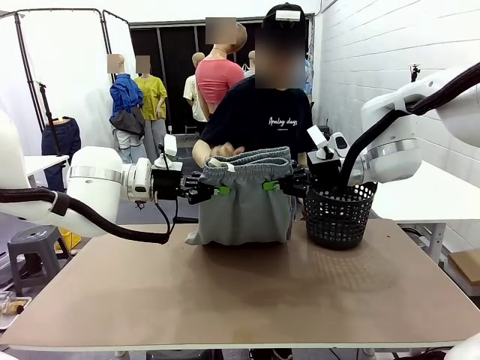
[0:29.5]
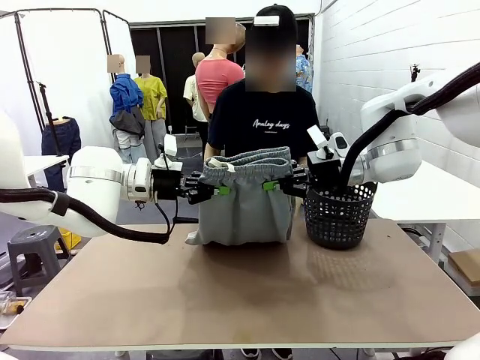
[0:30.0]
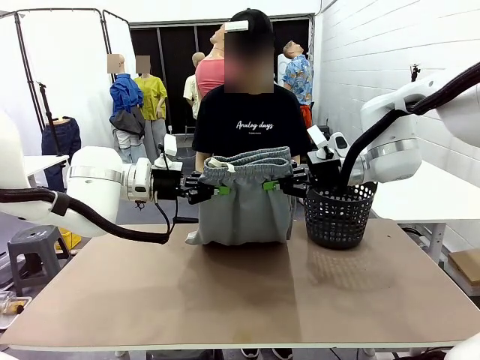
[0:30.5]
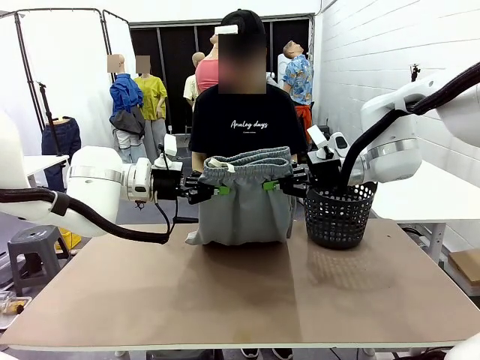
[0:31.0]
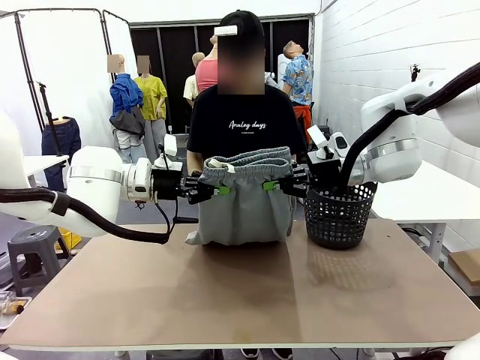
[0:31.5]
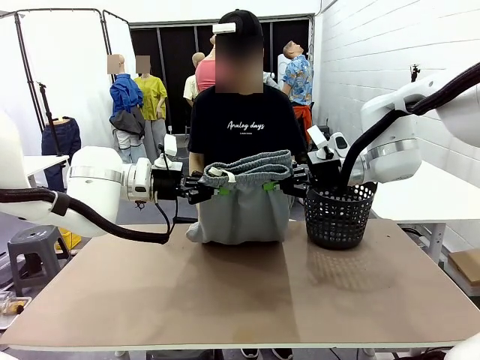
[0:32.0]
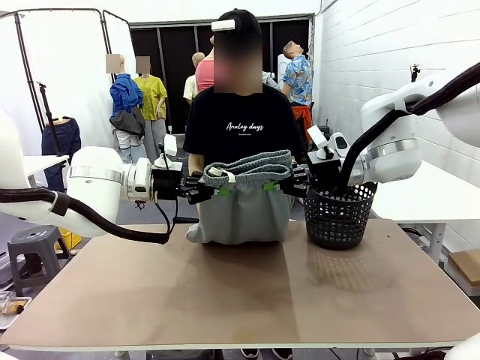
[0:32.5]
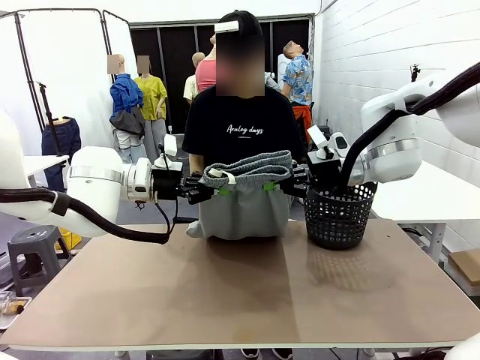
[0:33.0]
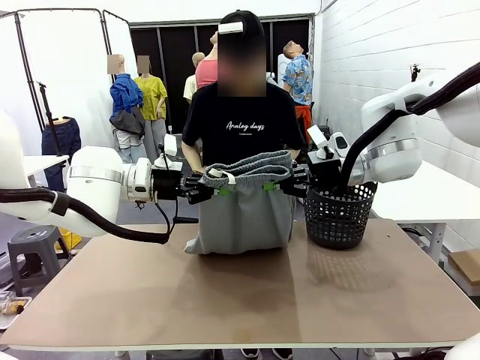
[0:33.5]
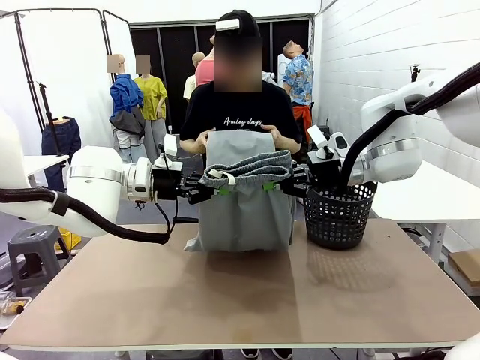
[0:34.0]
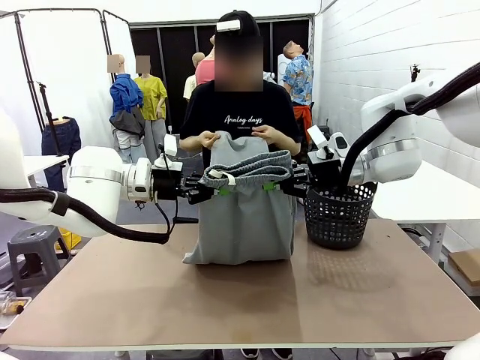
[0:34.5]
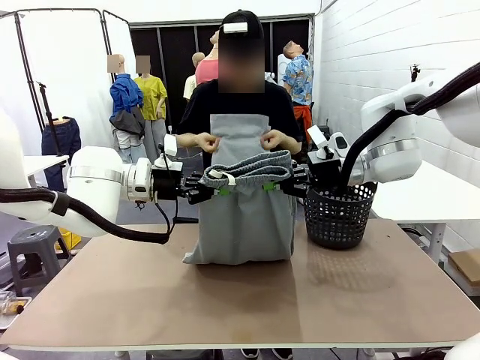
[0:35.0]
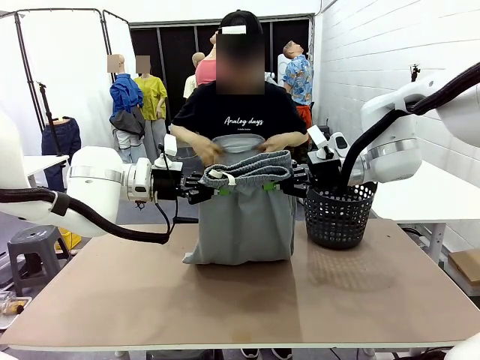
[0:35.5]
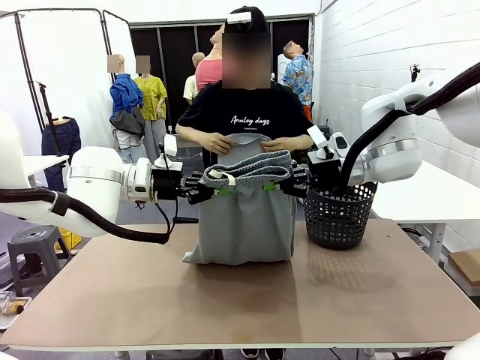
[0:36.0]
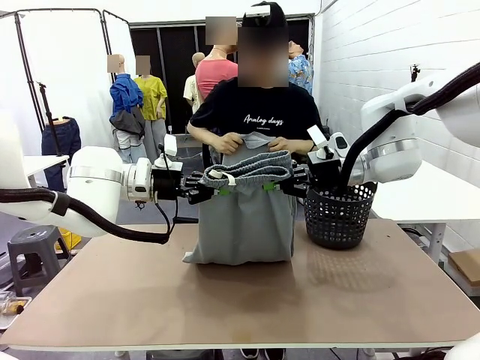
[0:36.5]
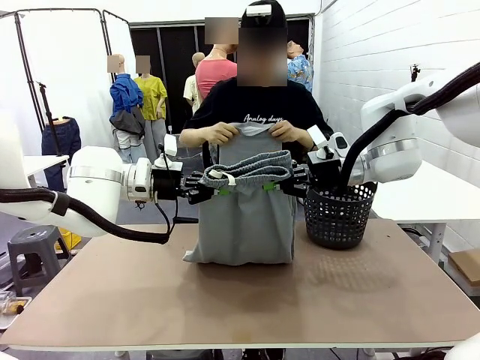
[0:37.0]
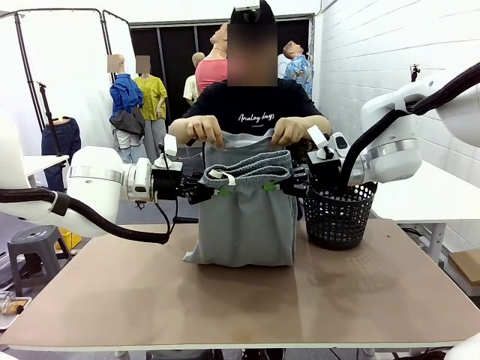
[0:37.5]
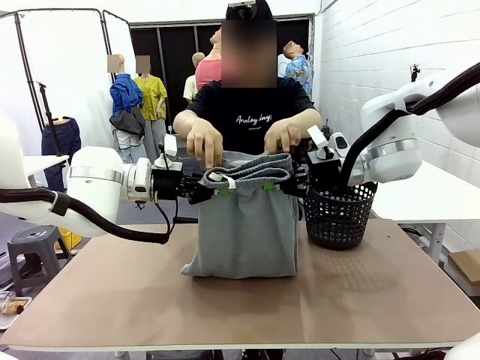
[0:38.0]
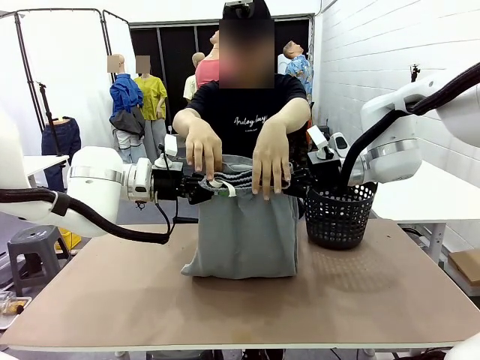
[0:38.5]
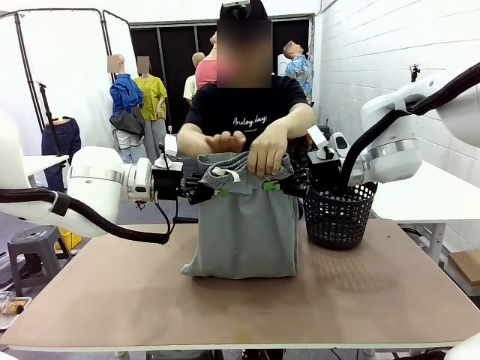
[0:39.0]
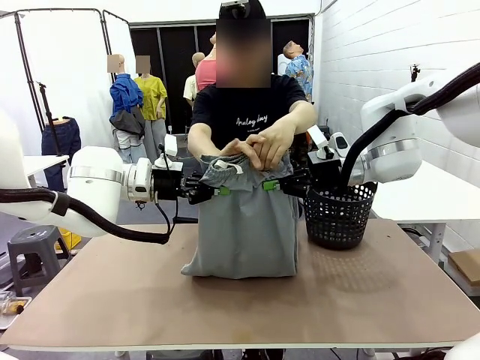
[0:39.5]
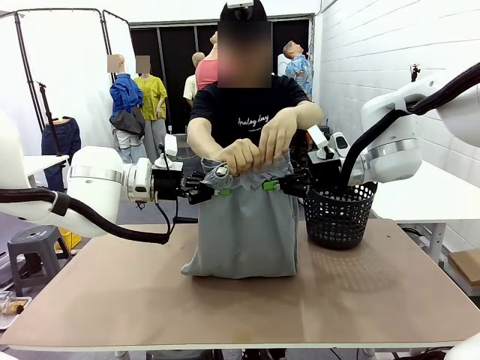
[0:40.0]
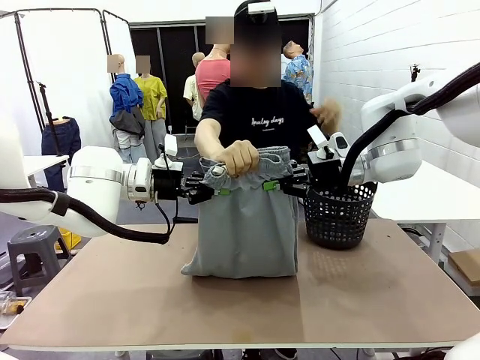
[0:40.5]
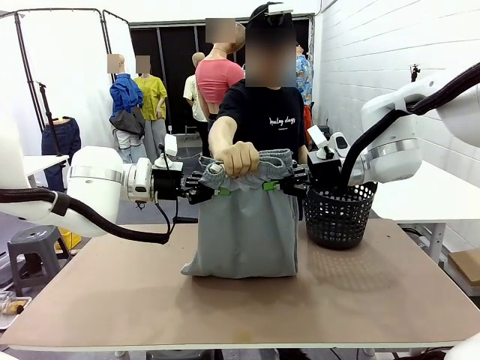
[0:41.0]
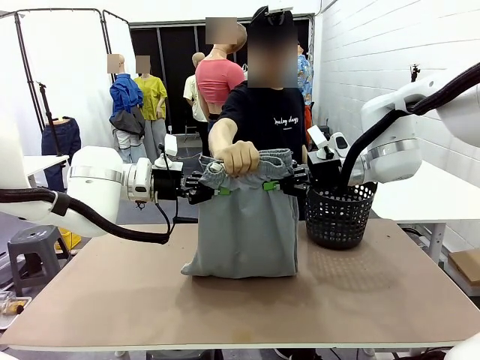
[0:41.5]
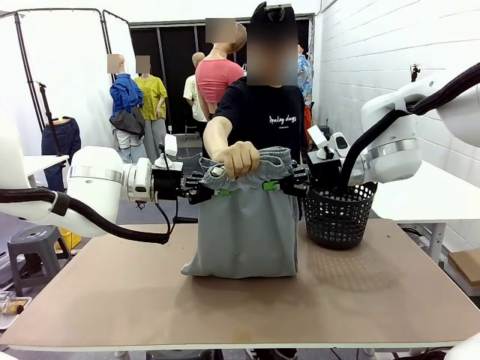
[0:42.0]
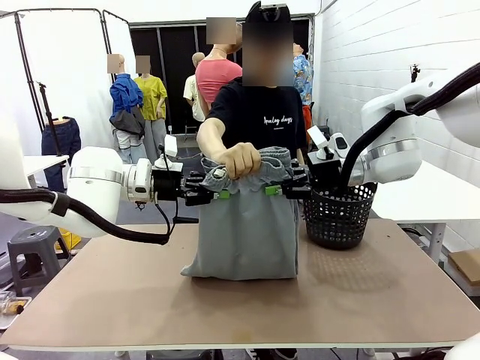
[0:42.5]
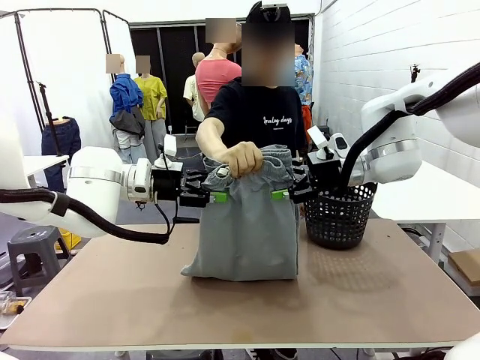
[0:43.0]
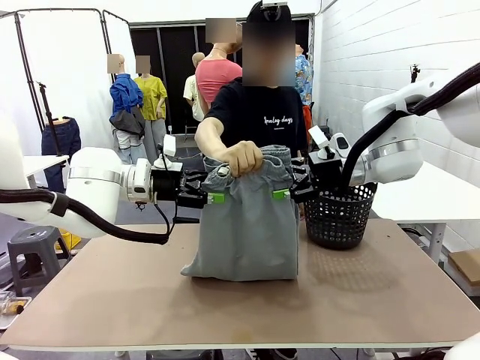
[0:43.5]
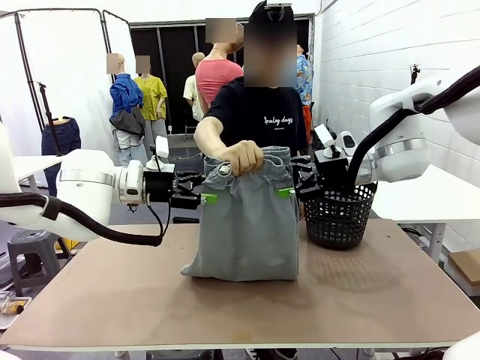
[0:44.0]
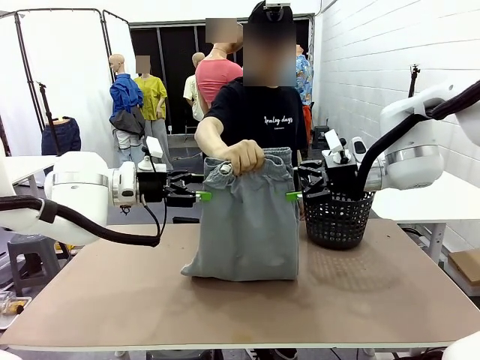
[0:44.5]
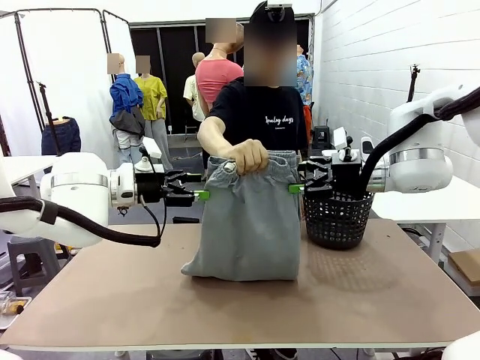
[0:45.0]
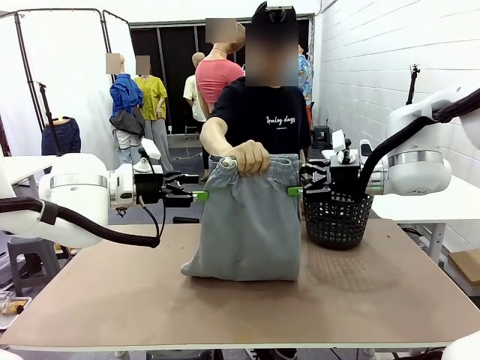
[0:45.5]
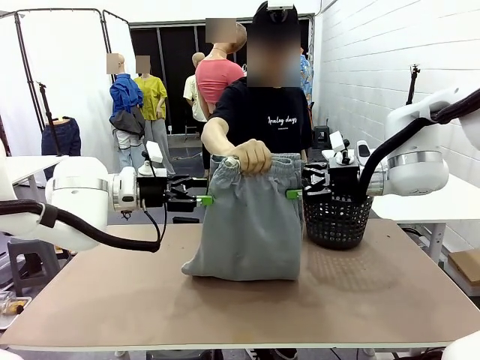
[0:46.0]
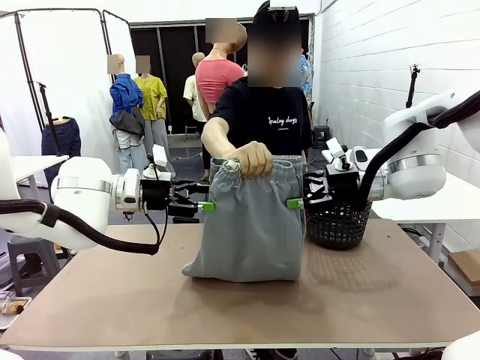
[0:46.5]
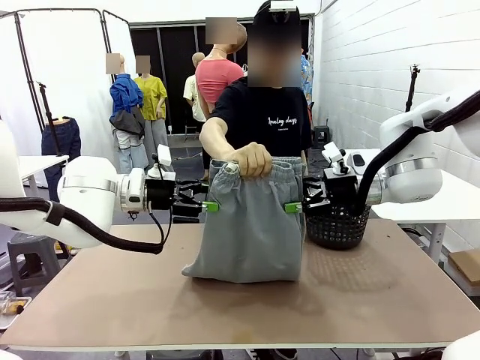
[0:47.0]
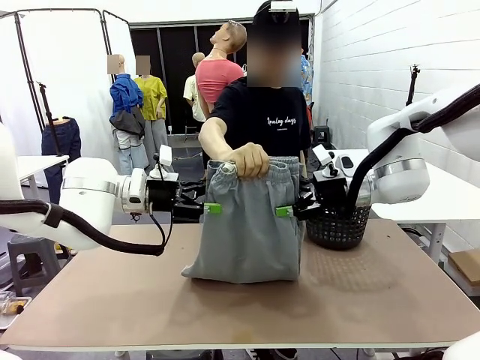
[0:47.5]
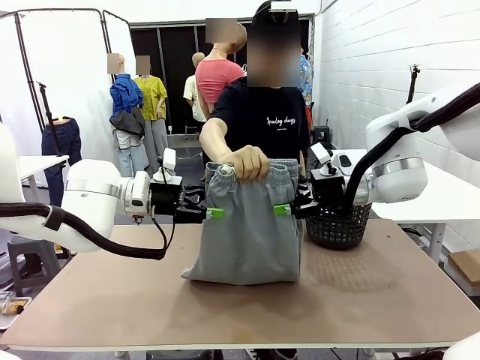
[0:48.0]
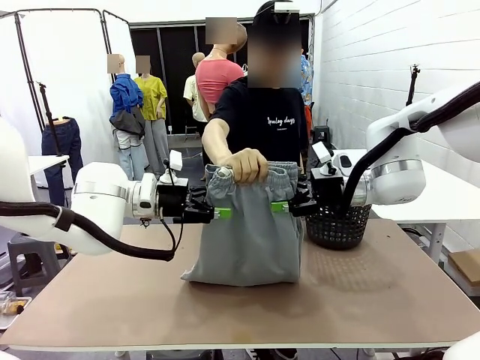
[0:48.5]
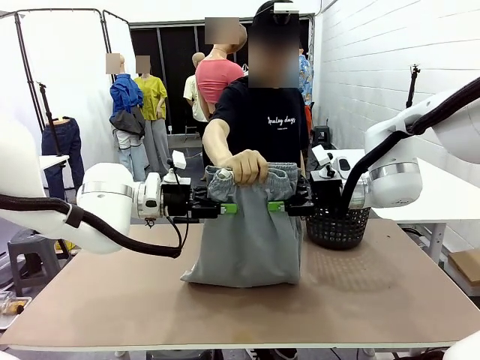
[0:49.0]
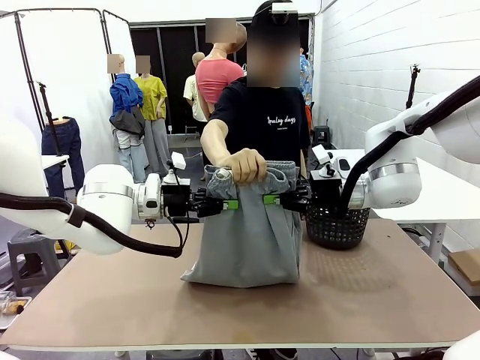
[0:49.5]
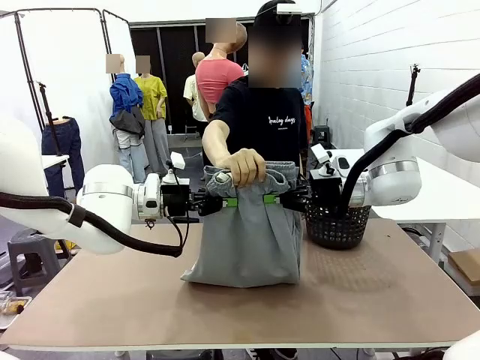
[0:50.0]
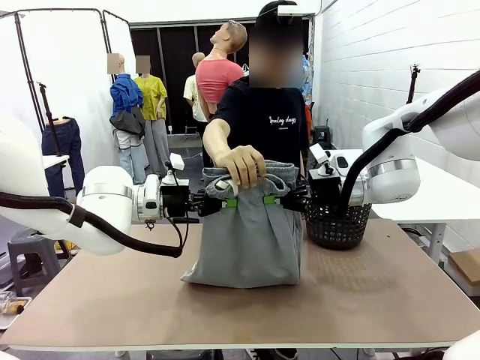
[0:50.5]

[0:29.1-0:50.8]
Task: Fold the training pants.
Robot: Release the ends of the Training pants and then grab the overlapped ends.
Person: Grasp the end opposite the point the robot is holding, fold the pants in half, and then grasp the overlapping top end of the folded pants. Release the pants you were holding.

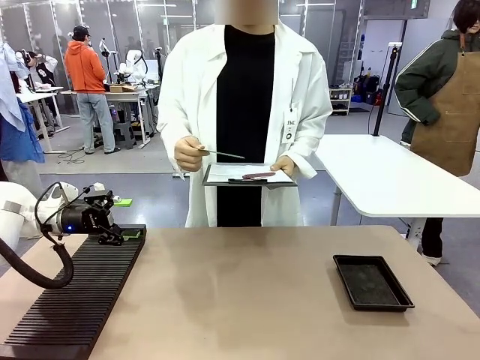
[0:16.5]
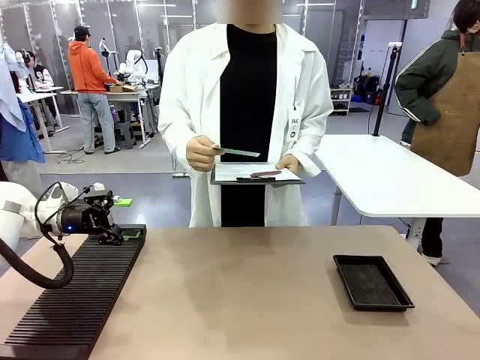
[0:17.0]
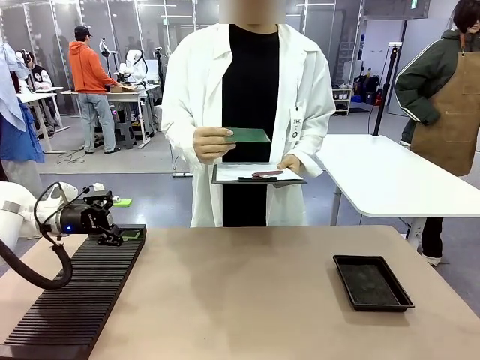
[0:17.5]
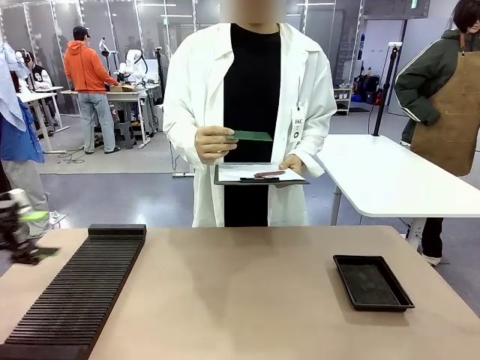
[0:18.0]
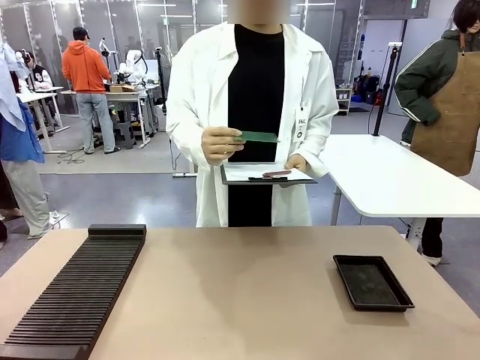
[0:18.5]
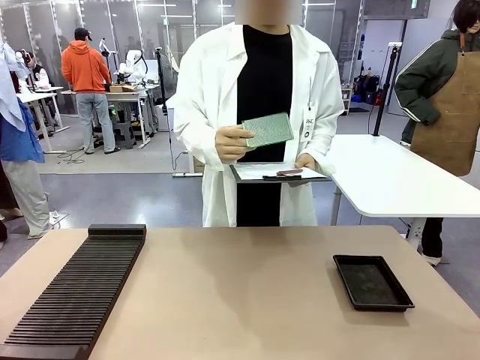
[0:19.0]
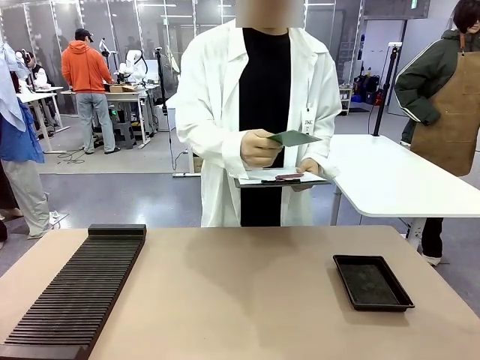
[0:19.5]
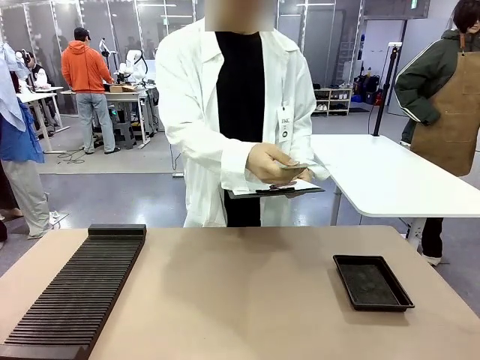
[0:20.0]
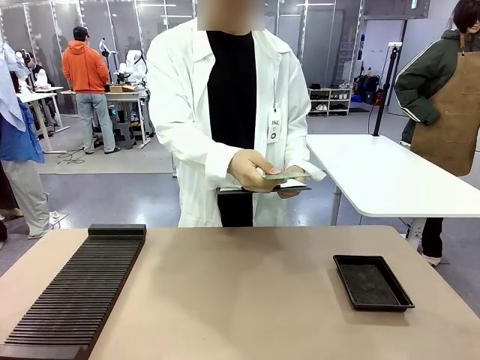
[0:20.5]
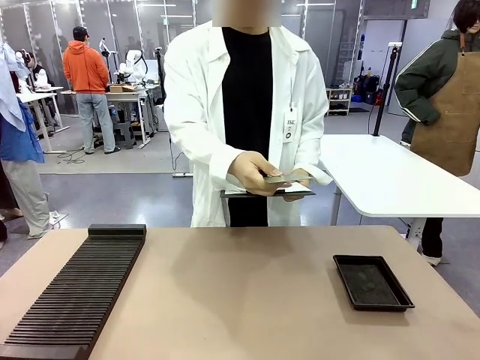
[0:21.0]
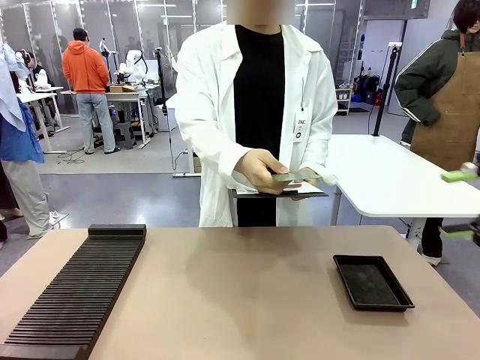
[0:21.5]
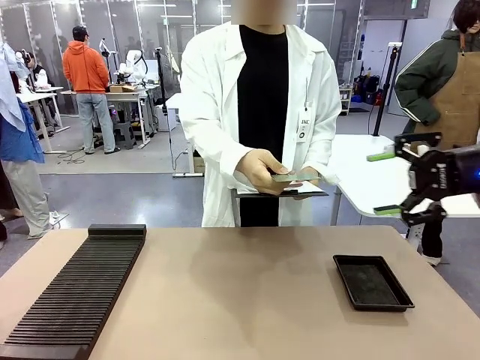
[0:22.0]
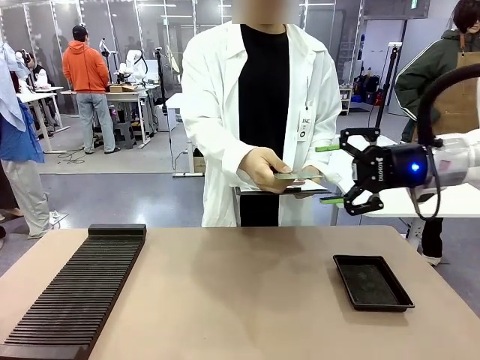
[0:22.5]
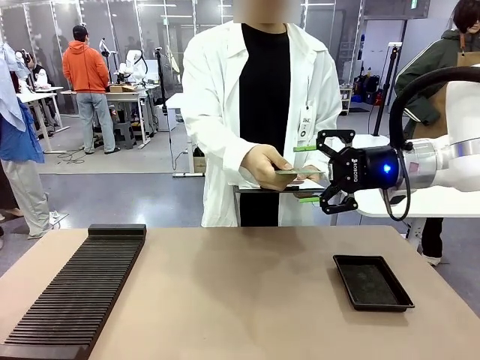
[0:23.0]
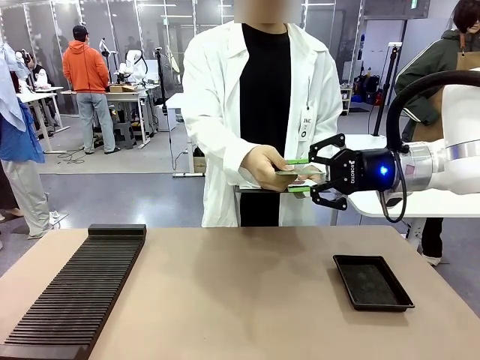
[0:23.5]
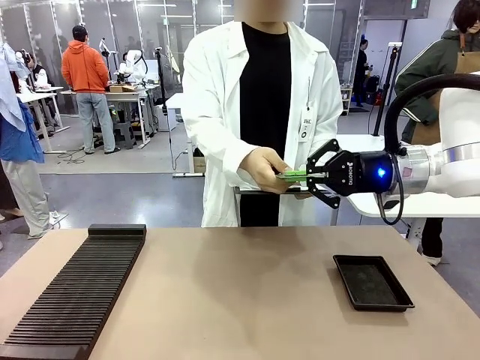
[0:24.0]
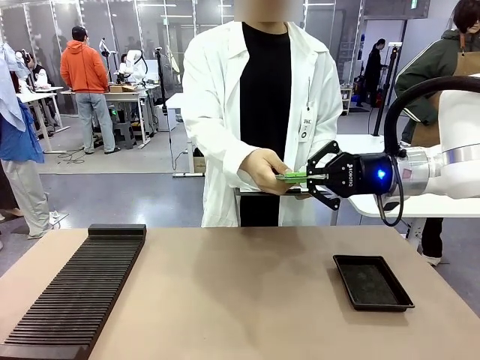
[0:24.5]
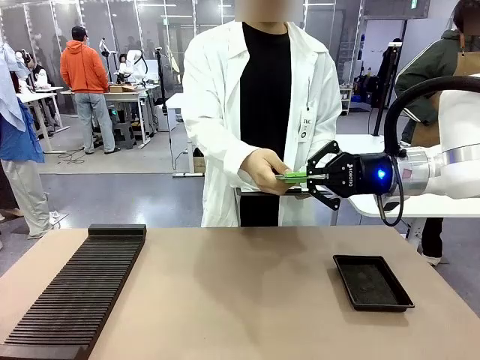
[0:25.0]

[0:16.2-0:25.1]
Task: Inspect the PCB.
Robot: Pick up the Blank PCB that the human is holding.
Person: Inspect the PCB placed by the robot, then hold it out in front of the robot. Release the PCB you were holding.
